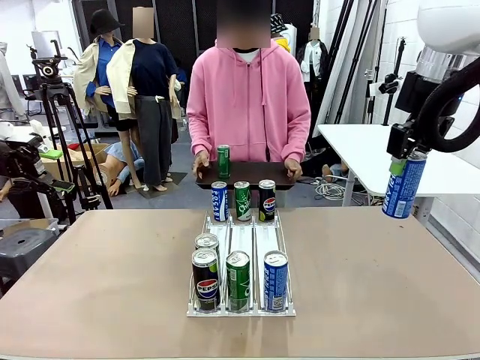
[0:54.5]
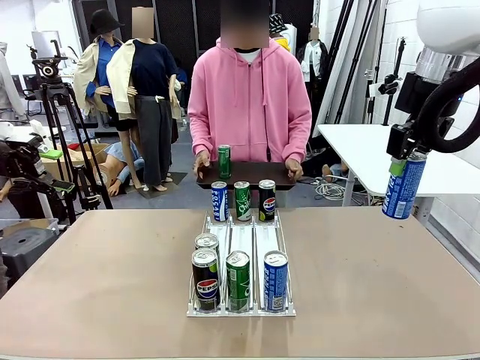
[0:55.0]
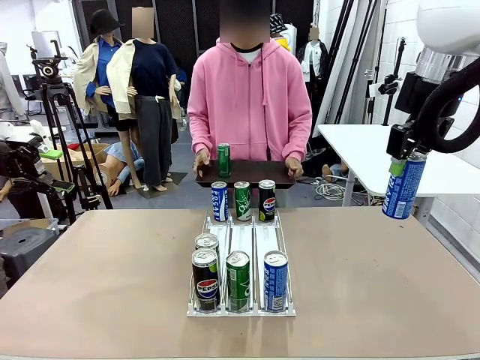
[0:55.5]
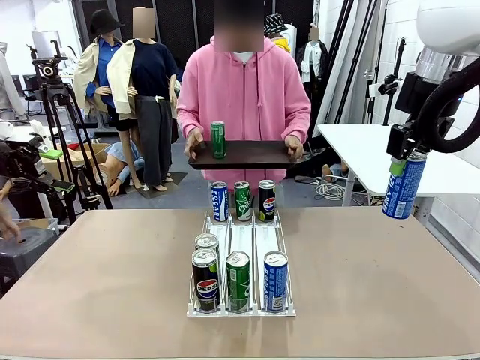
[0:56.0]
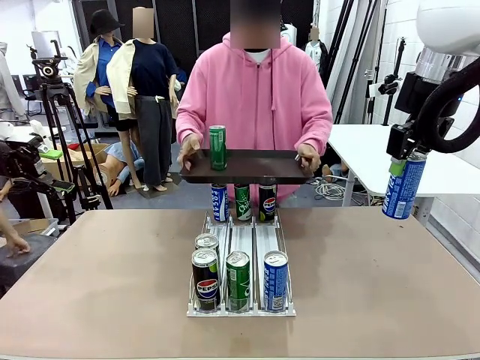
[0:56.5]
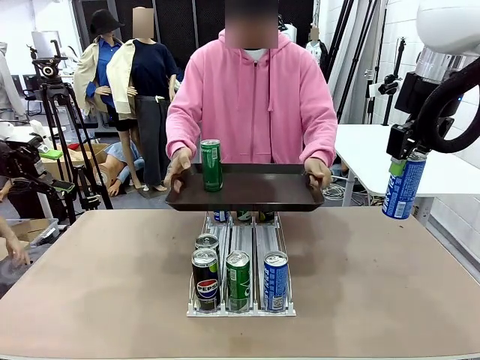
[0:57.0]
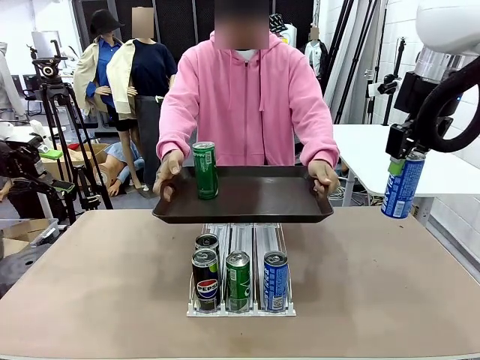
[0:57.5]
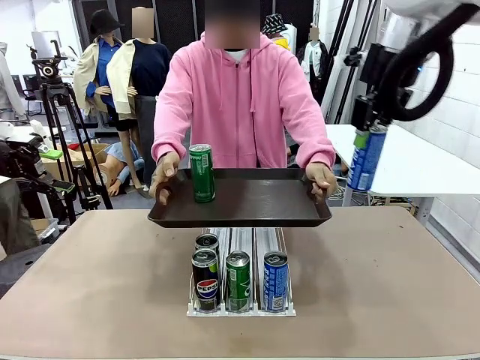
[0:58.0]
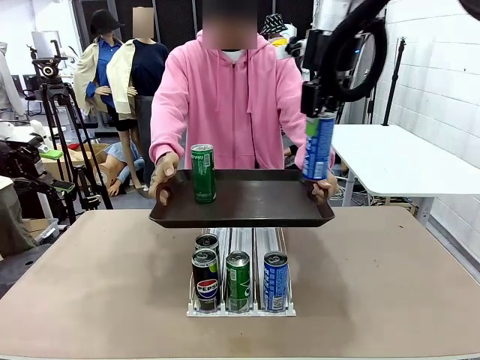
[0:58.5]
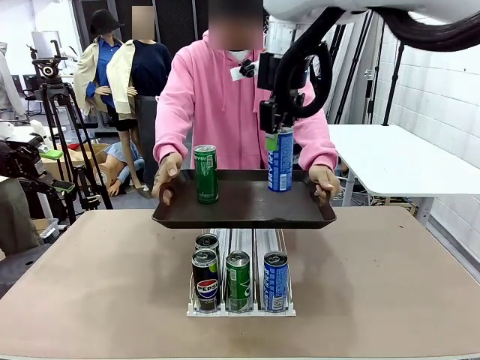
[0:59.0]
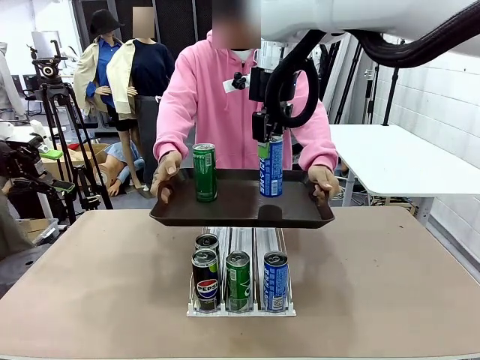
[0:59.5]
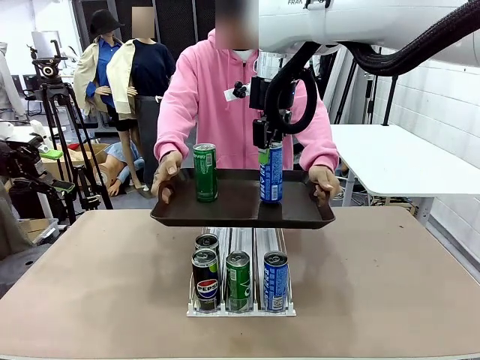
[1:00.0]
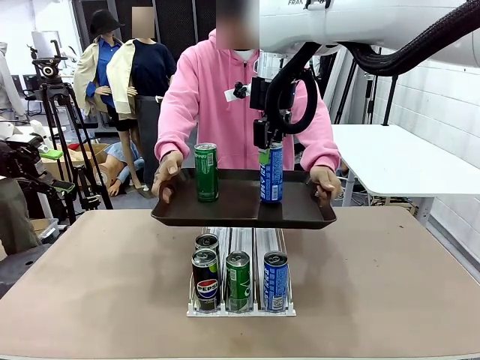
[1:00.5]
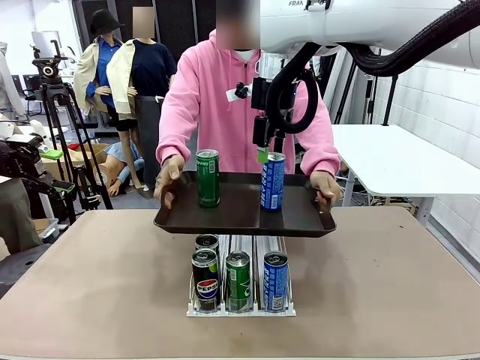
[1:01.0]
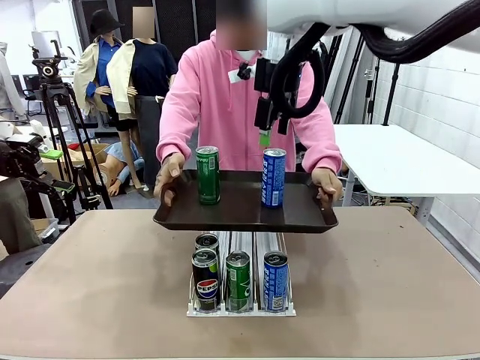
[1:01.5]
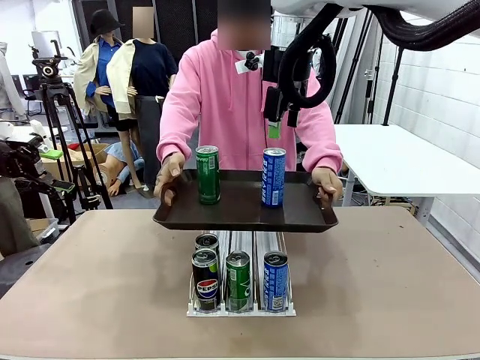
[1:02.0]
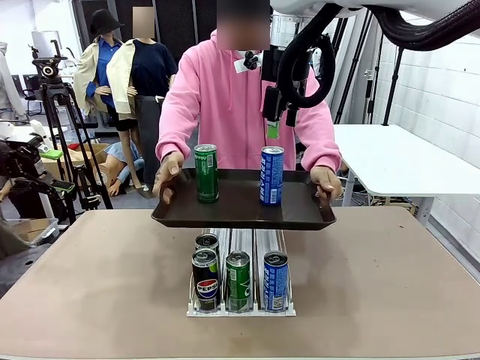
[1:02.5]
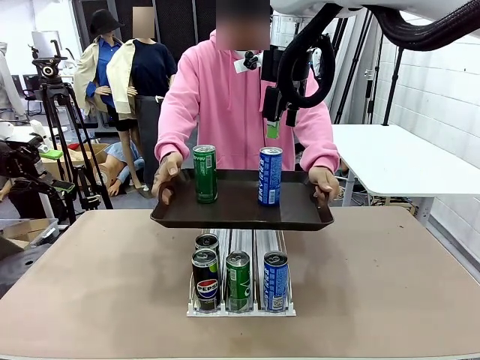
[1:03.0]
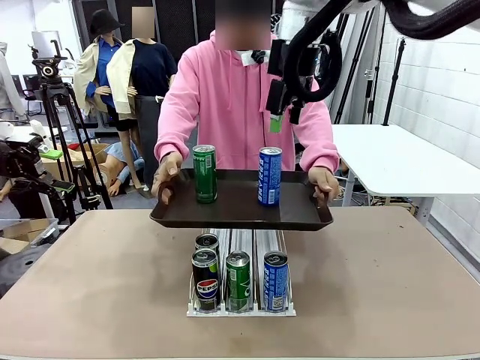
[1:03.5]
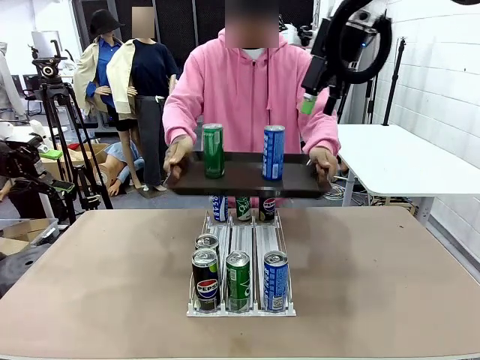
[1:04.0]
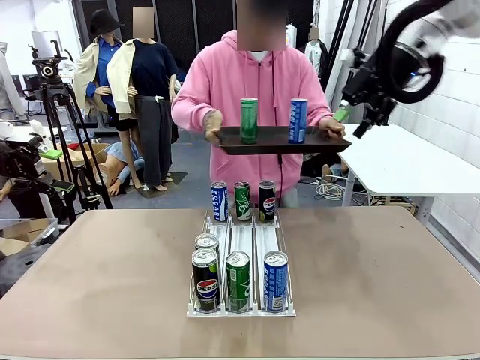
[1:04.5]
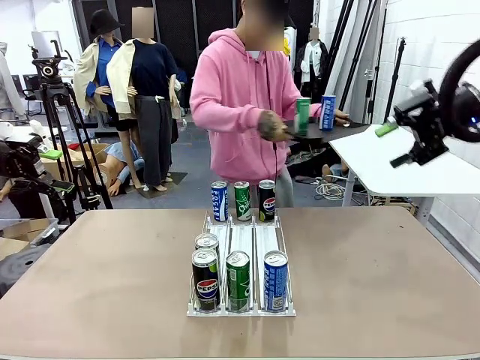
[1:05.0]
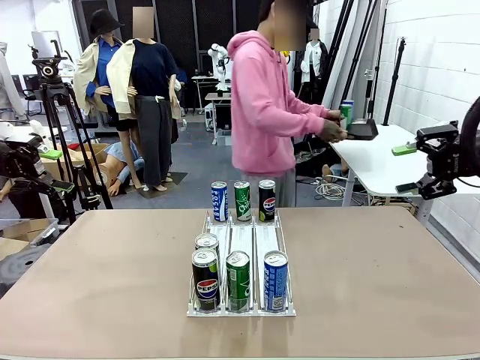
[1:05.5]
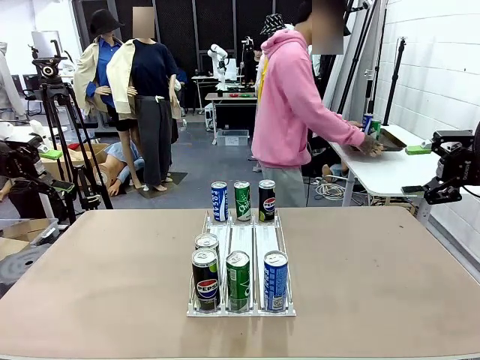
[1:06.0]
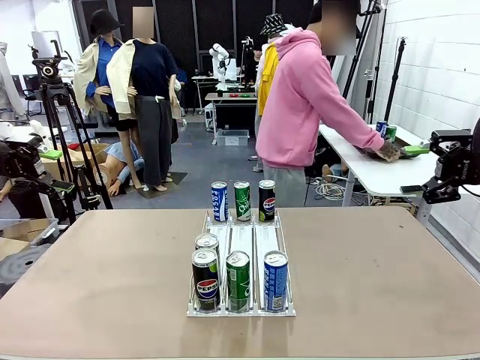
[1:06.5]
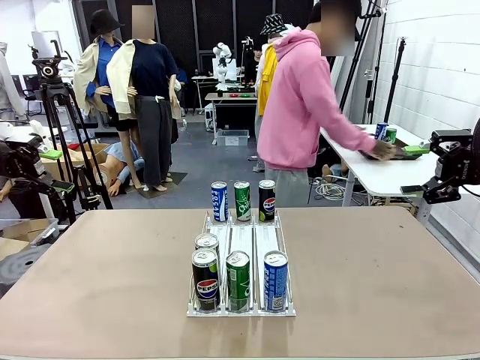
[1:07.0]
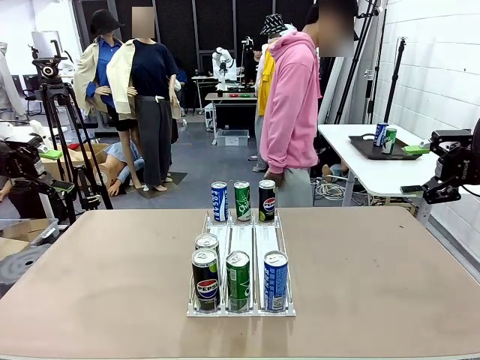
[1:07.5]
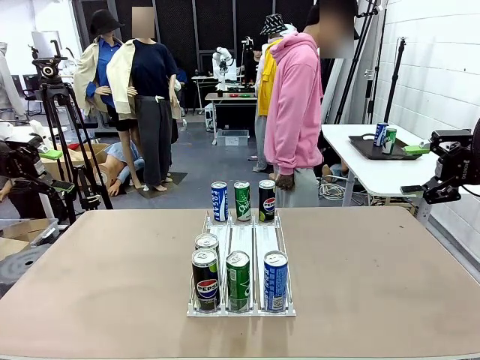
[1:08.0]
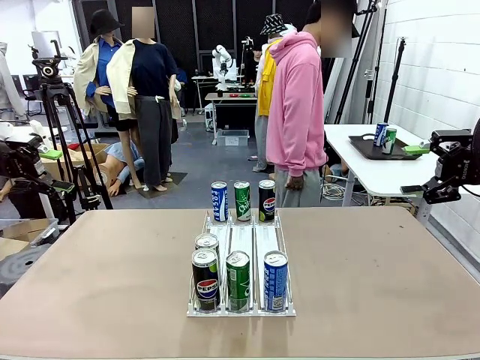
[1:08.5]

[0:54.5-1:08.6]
Task: Retrieve and hand over the desired beverage to the person.
Robot: Place the picked can on the Handle tray extended by the person.
Person: Pull the tray back and place it at the center of the human table.

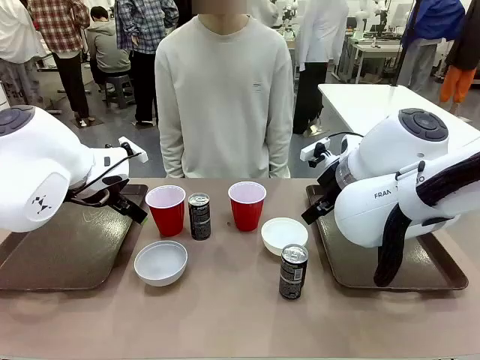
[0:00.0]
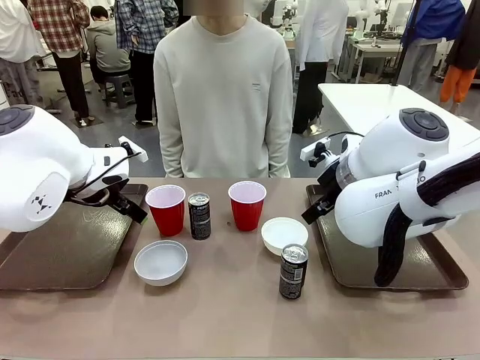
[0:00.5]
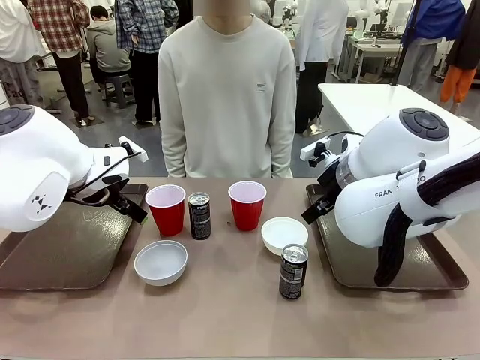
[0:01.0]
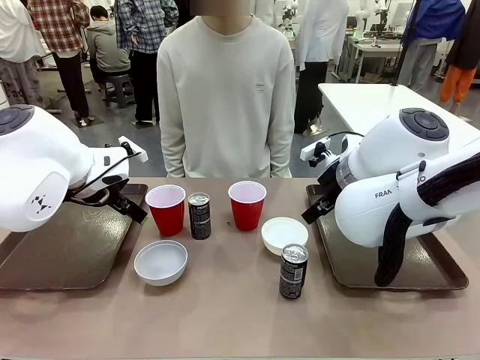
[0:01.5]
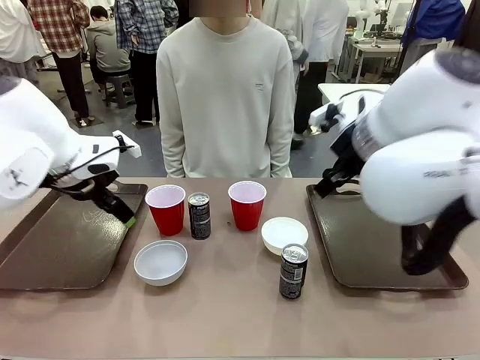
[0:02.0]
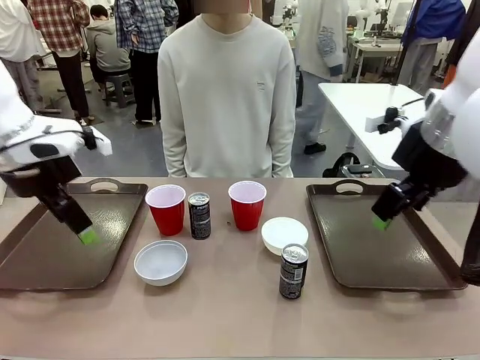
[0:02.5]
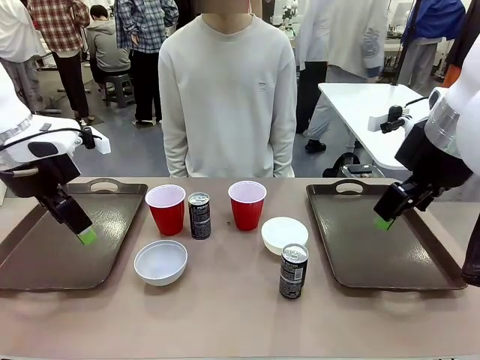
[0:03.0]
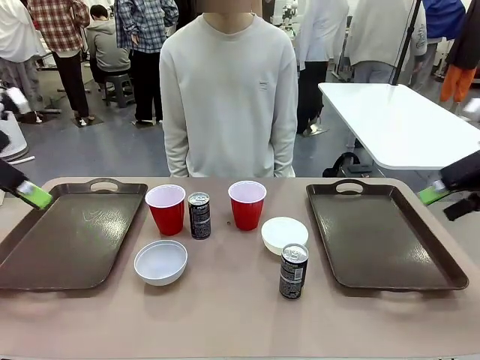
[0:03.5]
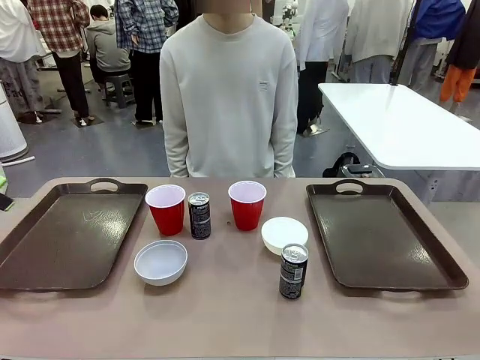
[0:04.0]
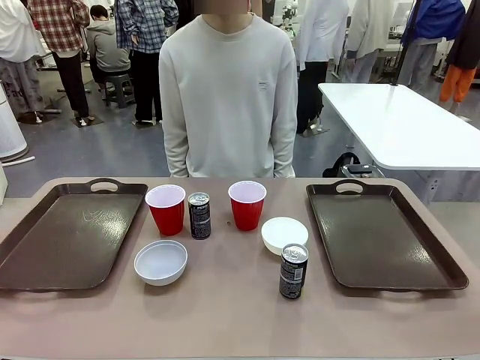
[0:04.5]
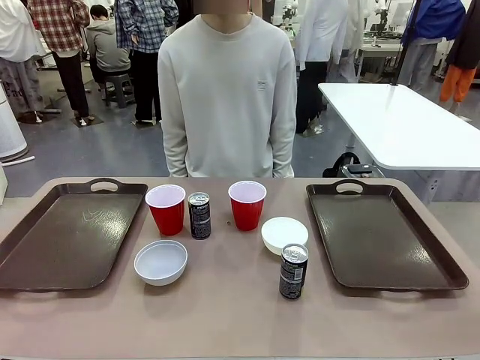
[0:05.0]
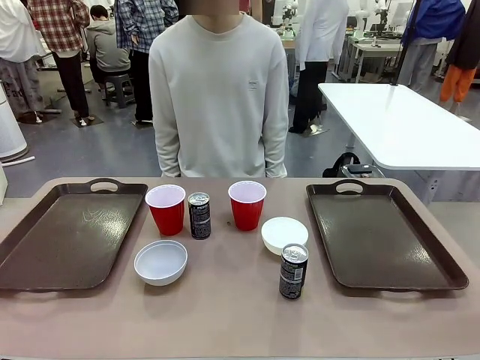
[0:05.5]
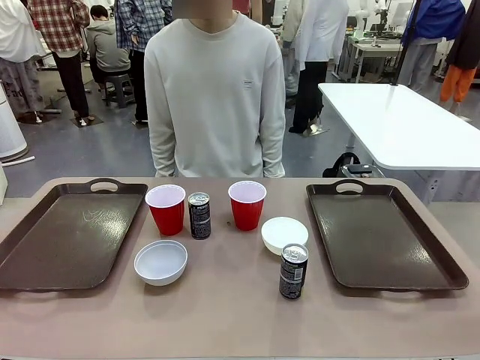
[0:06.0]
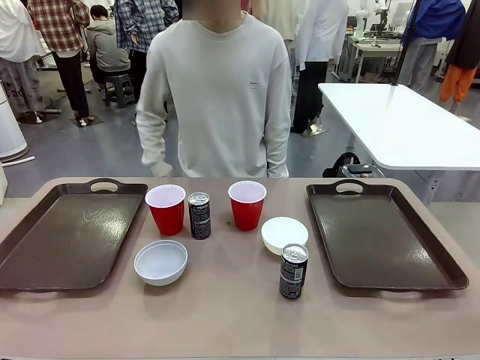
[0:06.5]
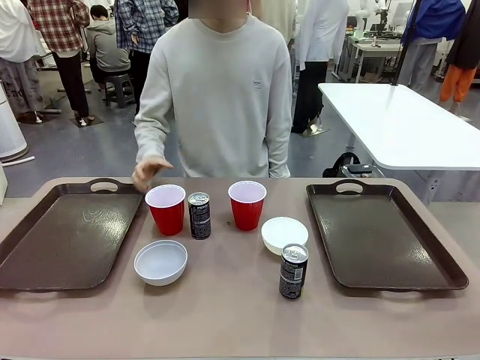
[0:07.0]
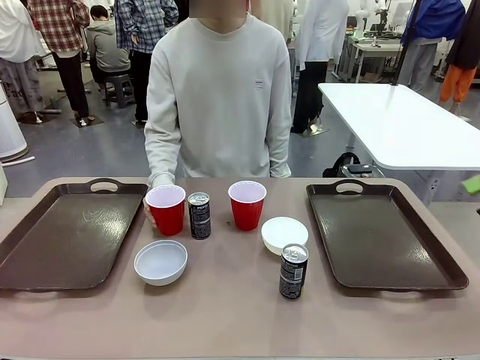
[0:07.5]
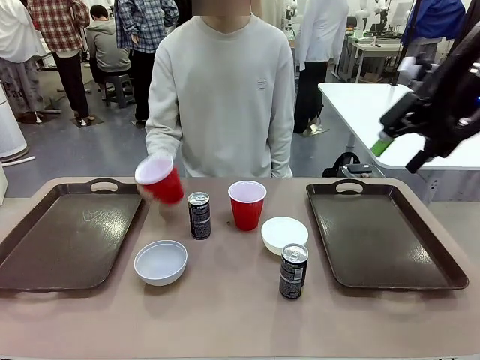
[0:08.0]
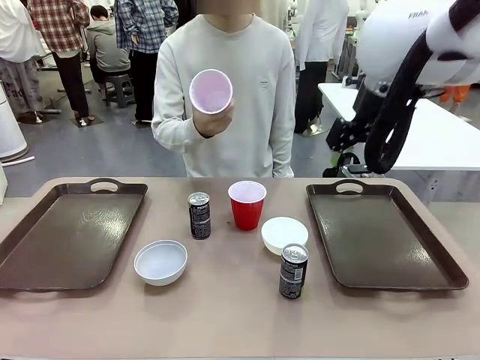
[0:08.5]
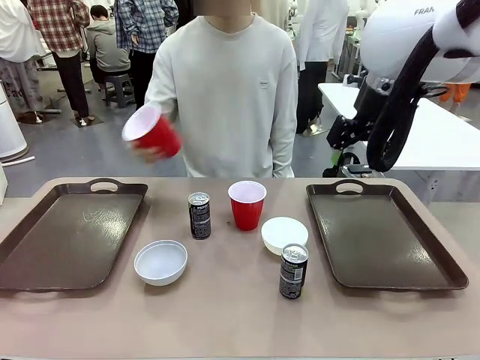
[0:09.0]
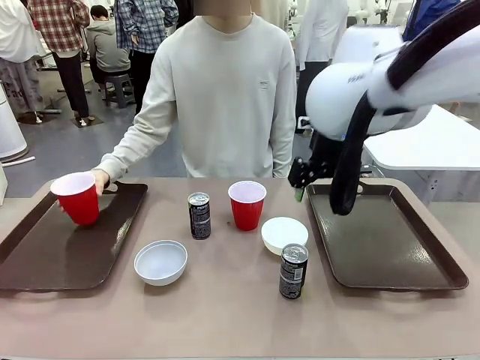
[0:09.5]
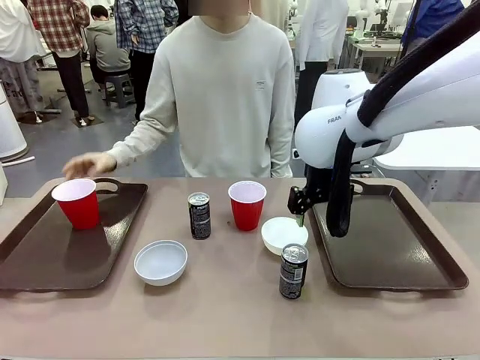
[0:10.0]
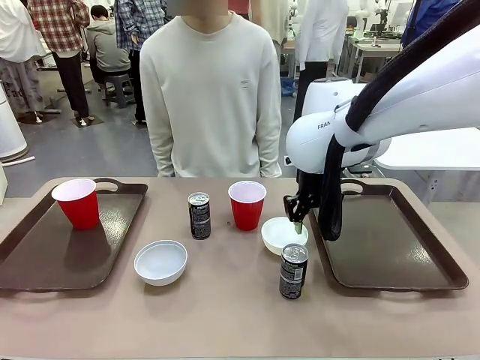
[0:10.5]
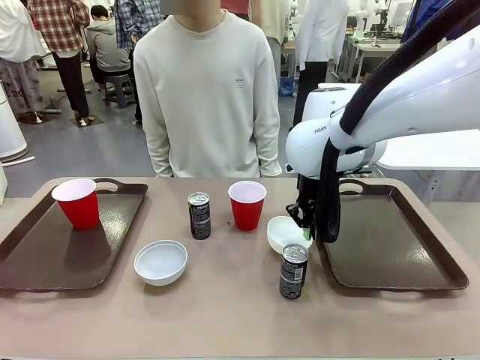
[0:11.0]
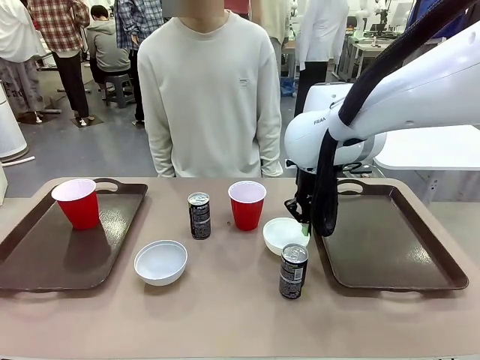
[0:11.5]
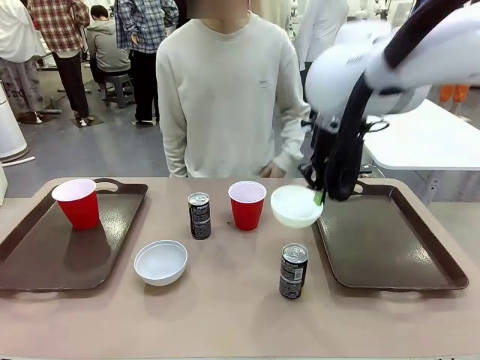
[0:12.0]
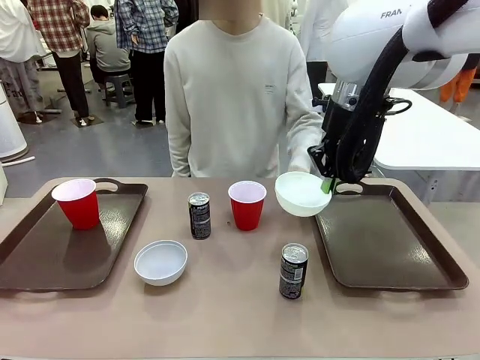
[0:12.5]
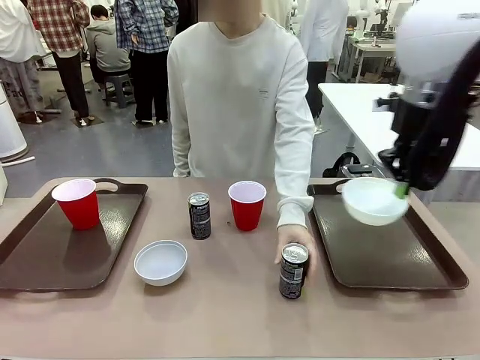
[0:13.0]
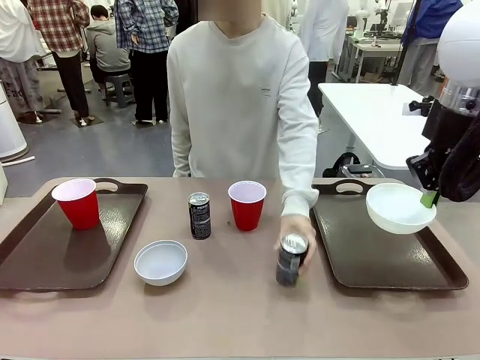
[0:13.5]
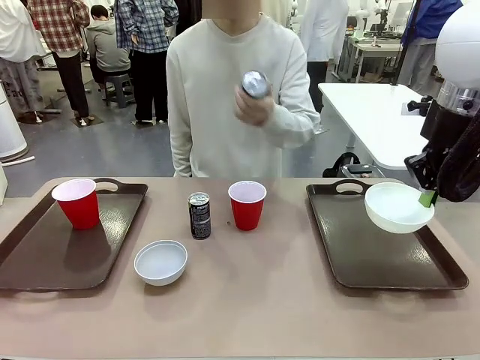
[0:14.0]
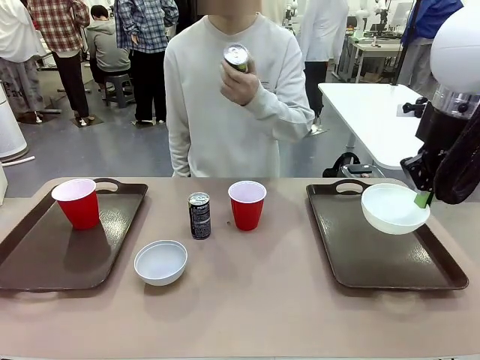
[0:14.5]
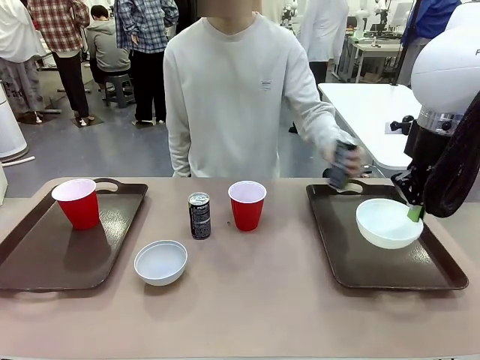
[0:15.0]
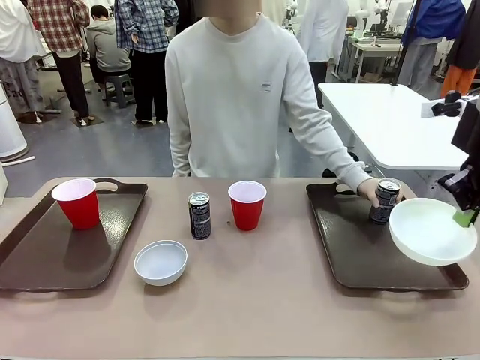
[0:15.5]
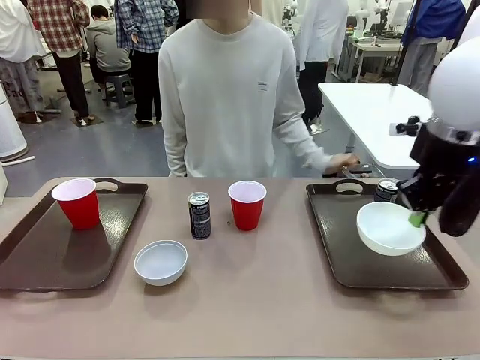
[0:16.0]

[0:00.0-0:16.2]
Task: Prepare tableware on both trays.
Robot: Pick up a Picnic Bowl from the table and place it on a Handle tray.
Person: Pick up a can or cup and place it on the tray.
